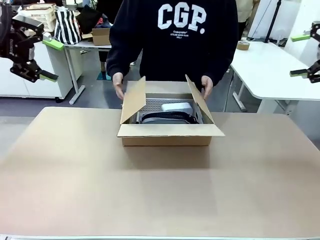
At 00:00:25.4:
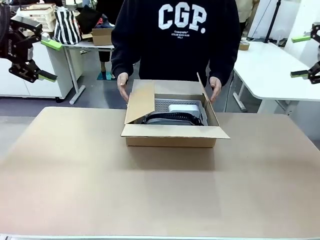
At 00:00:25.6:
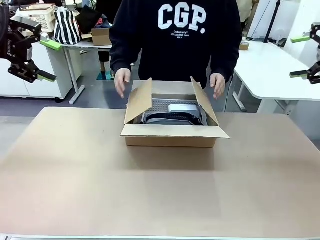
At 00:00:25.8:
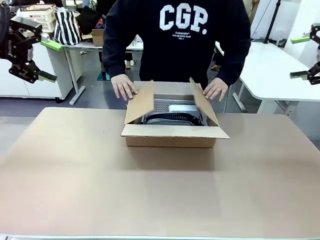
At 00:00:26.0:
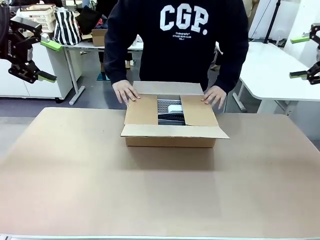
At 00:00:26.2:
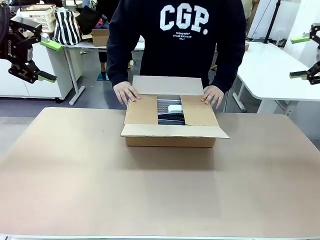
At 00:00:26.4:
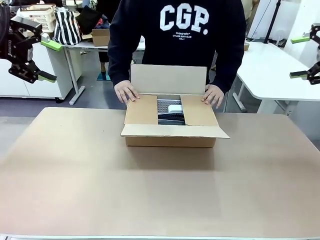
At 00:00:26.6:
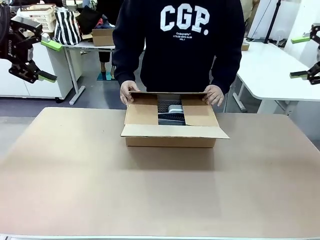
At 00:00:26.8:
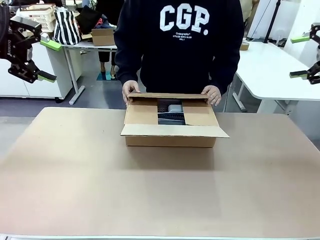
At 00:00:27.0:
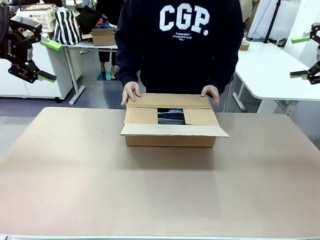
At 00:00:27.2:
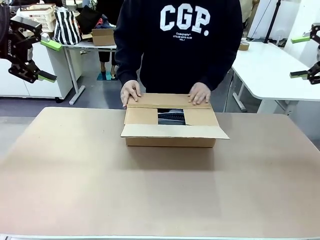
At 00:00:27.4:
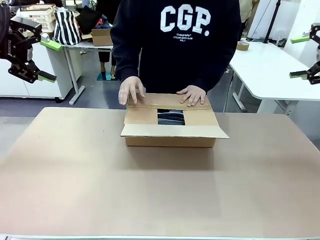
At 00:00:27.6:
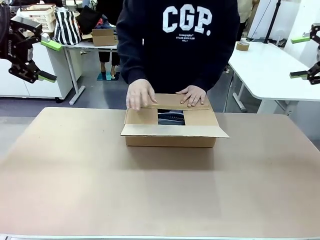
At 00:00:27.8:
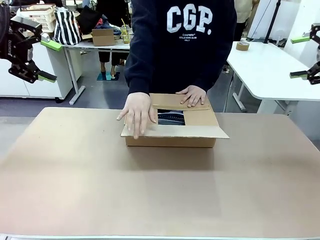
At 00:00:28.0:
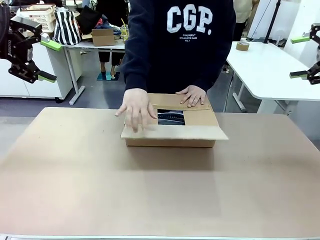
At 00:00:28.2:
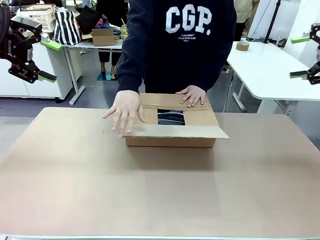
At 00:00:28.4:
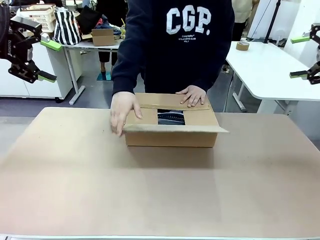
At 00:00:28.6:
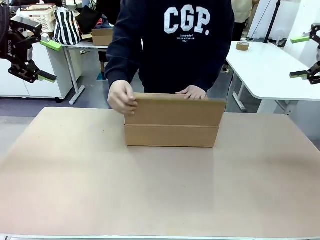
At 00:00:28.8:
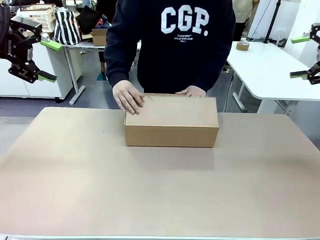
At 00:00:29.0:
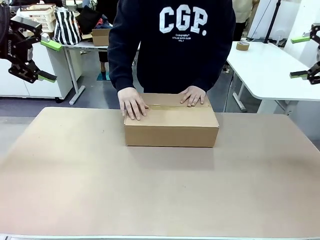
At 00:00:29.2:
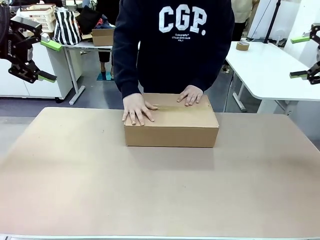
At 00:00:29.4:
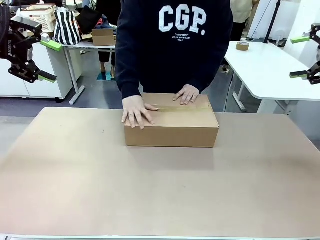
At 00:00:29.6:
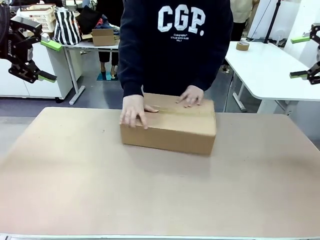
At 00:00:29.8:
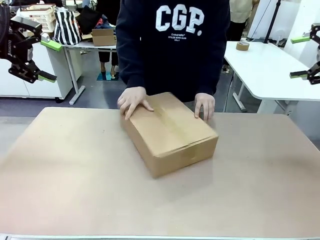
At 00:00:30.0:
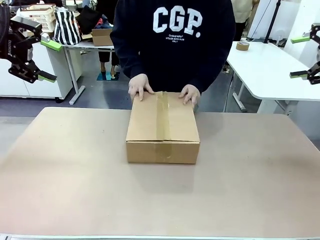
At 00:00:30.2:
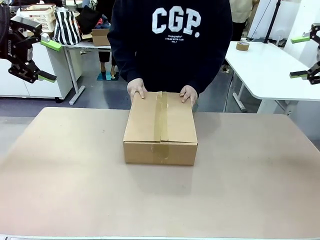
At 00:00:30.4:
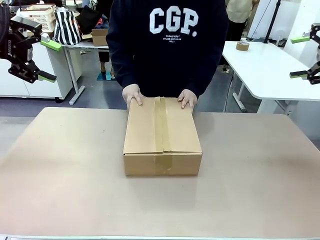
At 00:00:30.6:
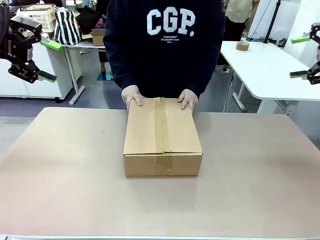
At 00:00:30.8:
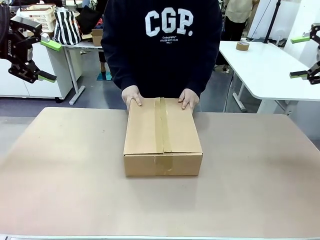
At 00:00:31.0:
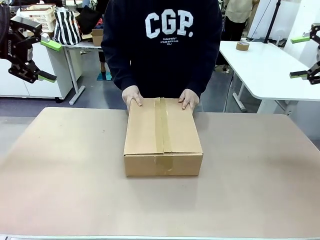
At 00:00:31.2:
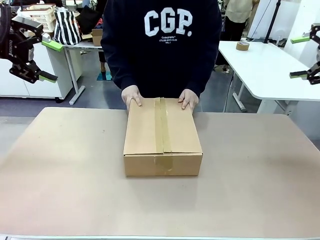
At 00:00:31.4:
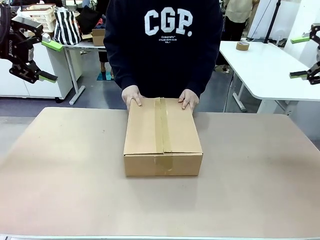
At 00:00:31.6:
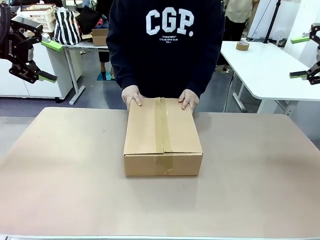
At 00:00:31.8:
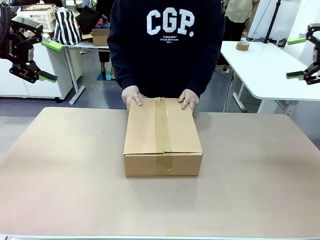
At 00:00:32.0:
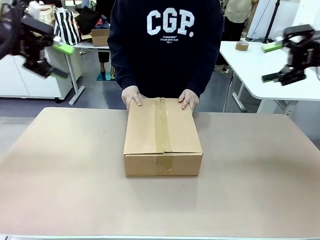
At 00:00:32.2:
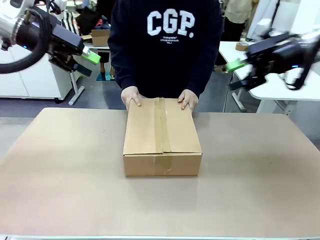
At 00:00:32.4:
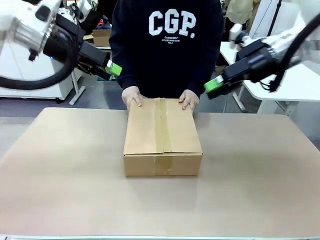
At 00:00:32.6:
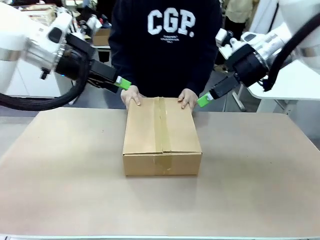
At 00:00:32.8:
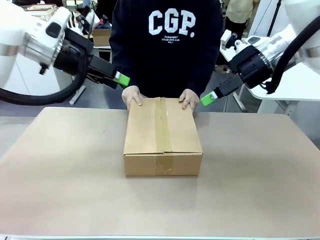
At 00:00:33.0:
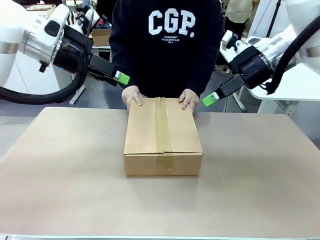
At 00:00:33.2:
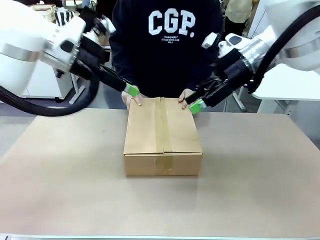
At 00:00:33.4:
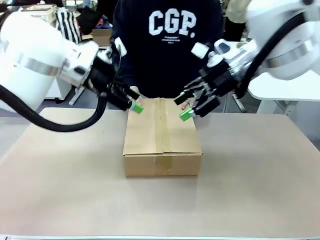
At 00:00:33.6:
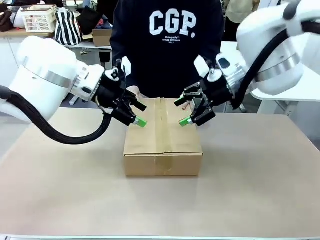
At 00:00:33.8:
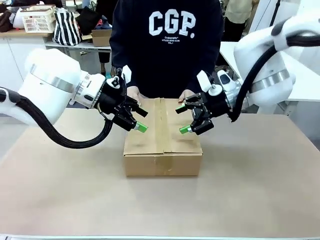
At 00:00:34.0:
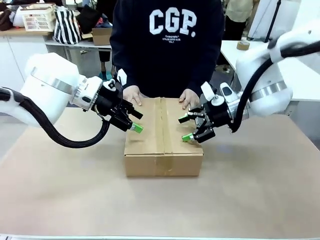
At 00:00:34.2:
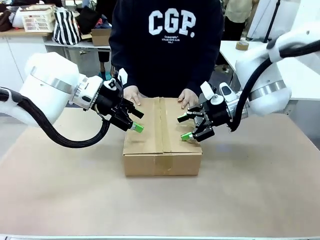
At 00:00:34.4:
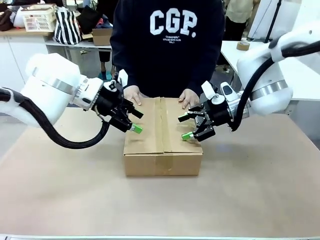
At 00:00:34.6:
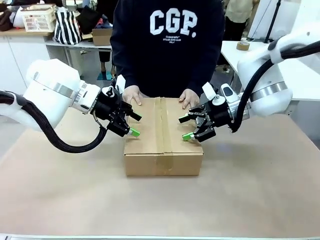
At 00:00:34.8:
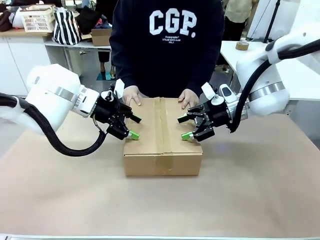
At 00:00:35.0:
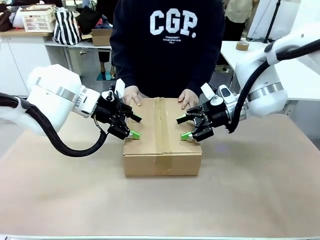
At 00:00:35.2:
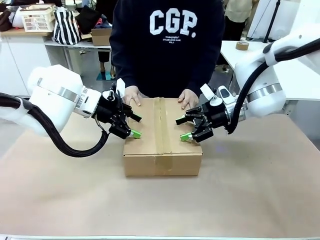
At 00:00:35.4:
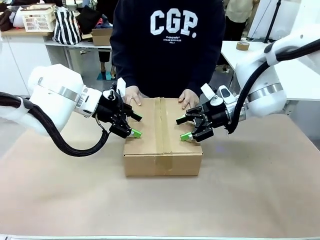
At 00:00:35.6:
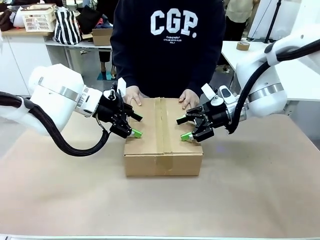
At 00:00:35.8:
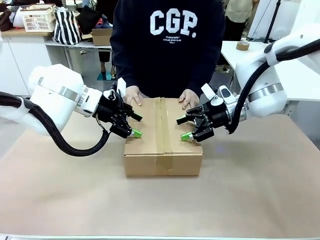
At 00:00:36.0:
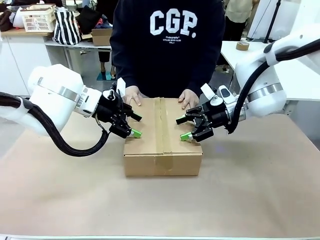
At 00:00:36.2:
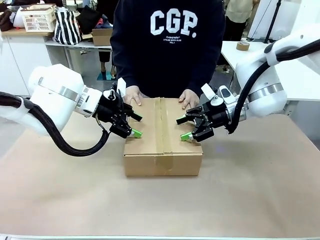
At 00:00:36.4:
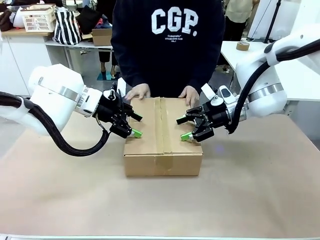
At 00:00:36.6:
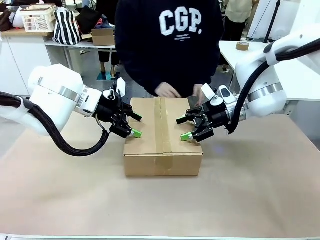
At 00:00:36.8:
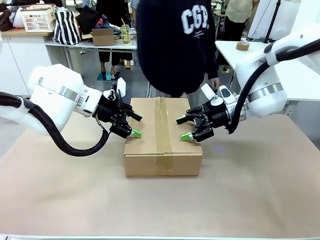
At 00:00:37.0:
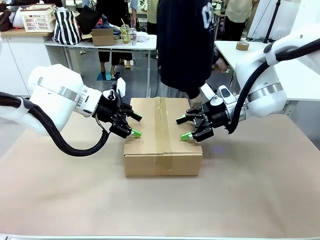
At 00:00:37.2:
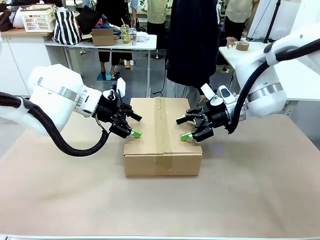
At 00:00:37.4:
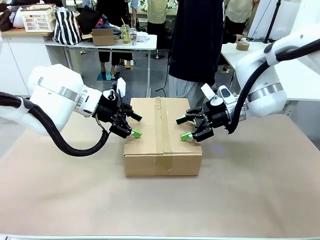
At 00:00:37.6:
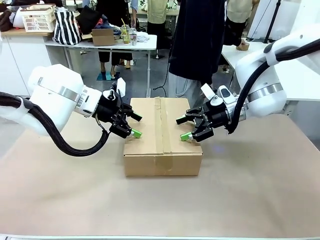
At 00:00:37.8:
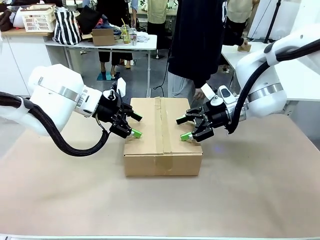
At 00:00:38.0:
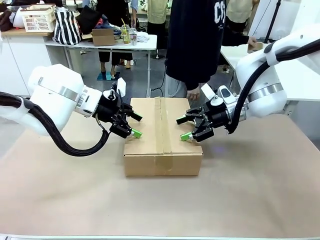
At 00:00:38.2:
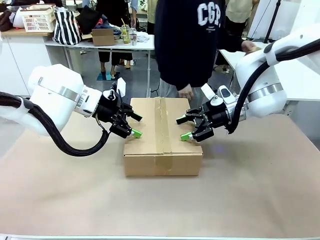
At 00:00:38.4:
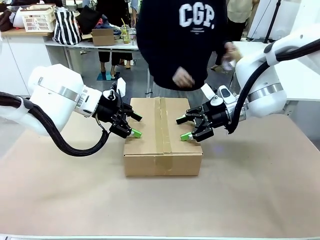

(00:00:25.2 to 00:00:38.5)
Task: Pack the gift set into the box.
Robot: Press and hold the closed box until the human finishes sealing it.
Person: The human closes the box and rotates the box by 90 degrees.
